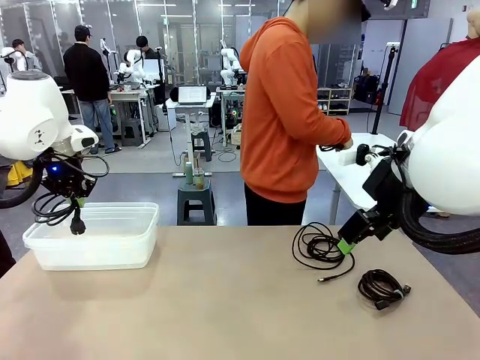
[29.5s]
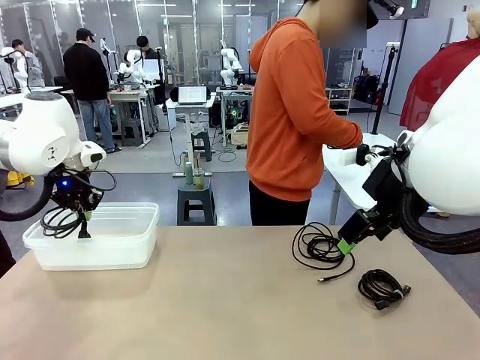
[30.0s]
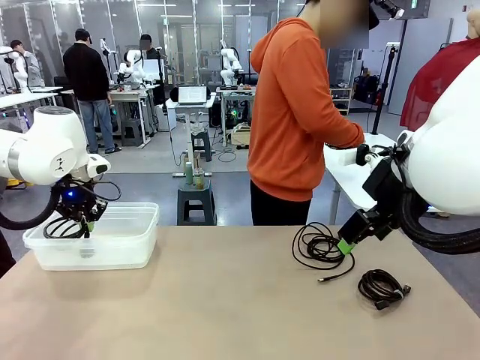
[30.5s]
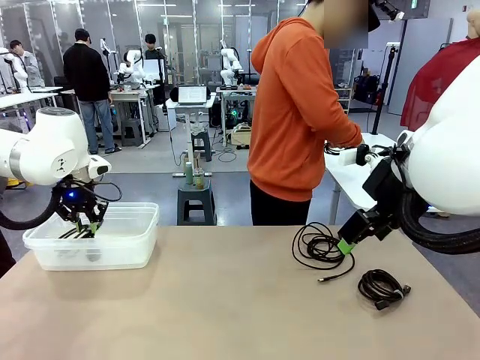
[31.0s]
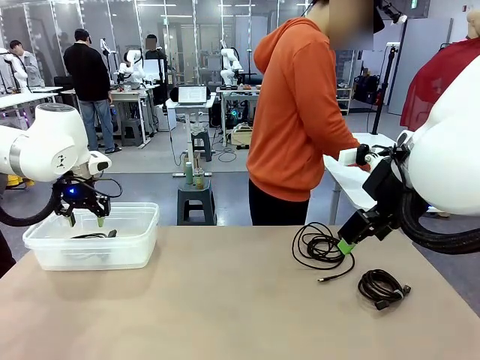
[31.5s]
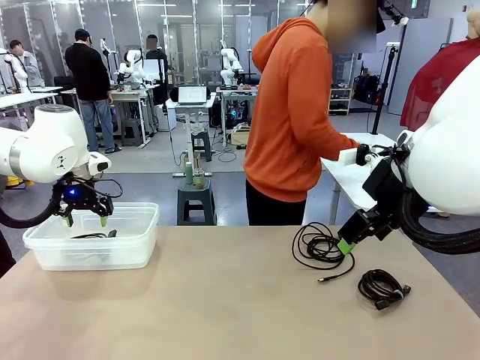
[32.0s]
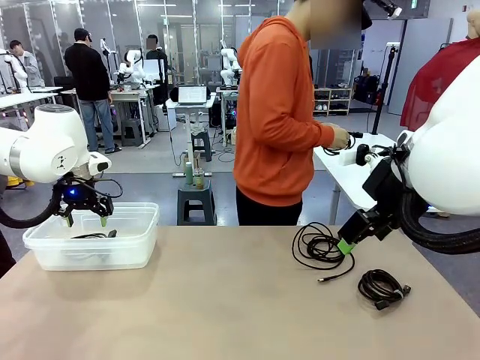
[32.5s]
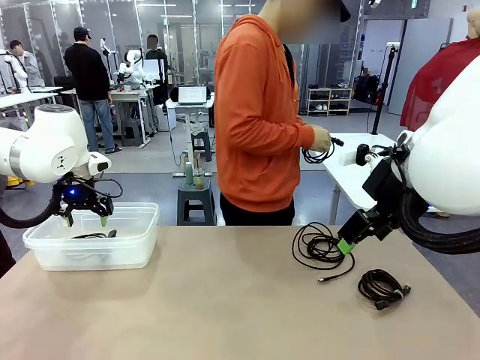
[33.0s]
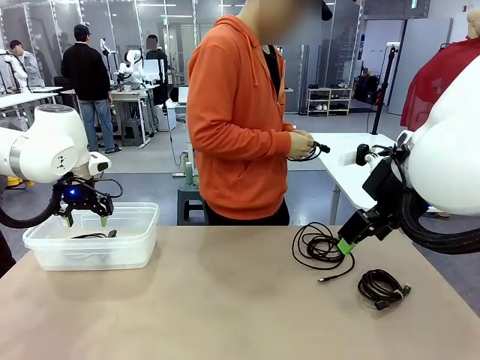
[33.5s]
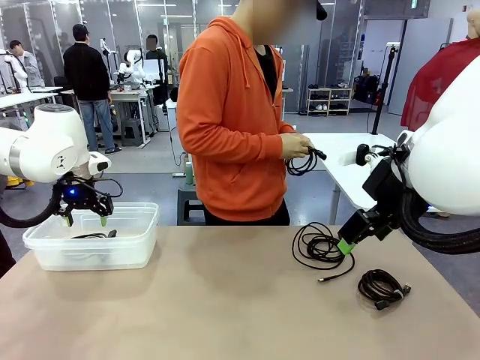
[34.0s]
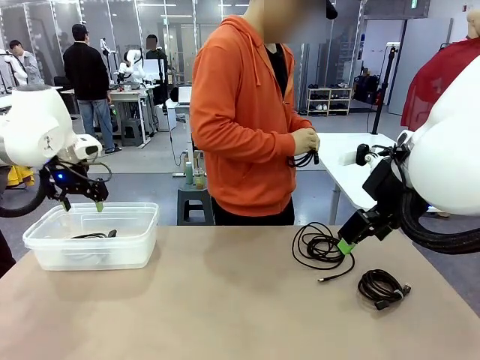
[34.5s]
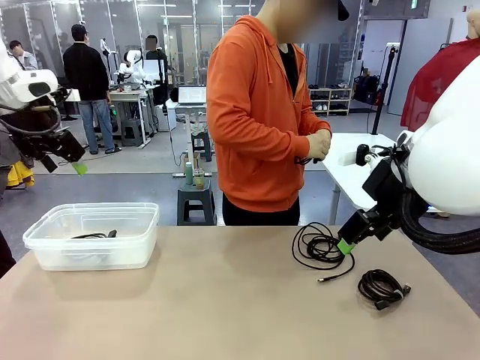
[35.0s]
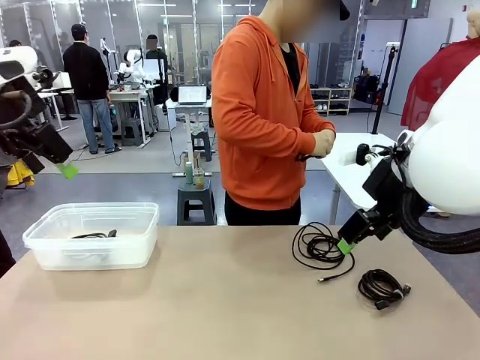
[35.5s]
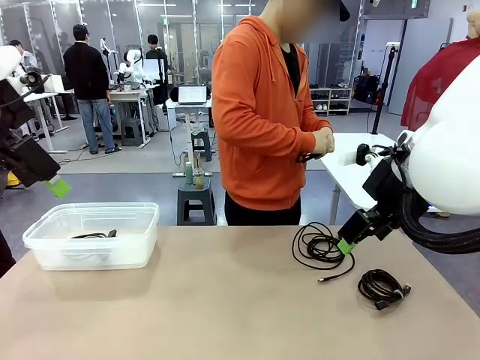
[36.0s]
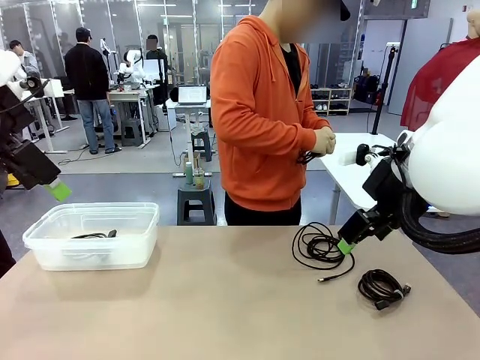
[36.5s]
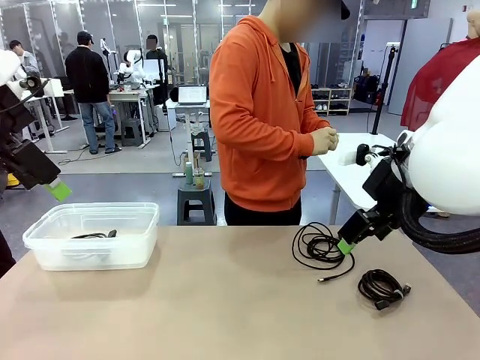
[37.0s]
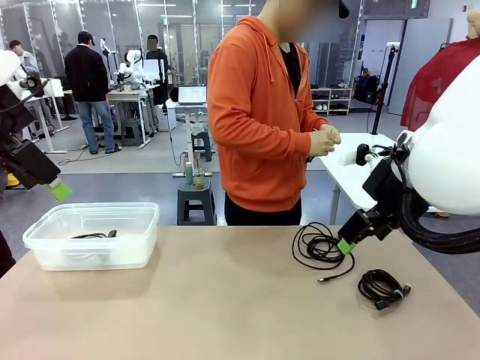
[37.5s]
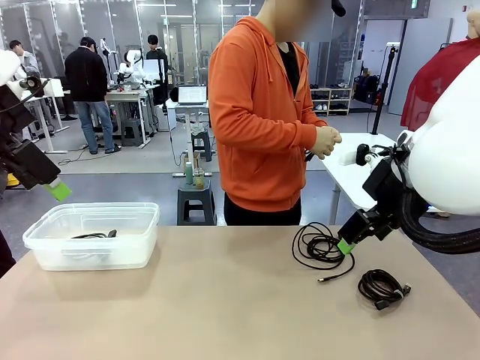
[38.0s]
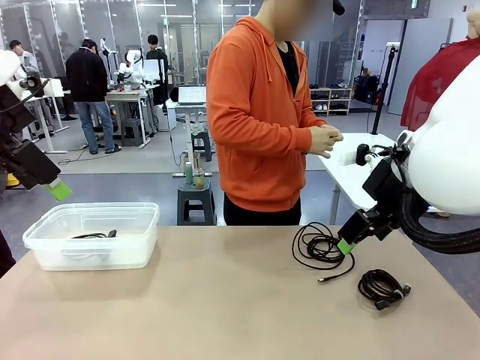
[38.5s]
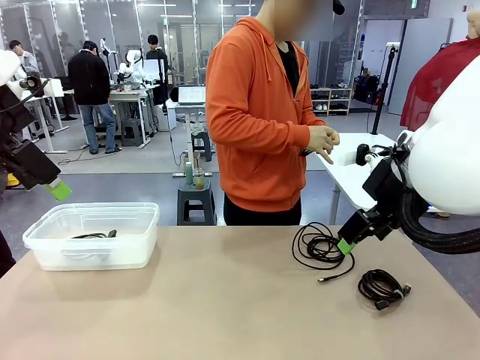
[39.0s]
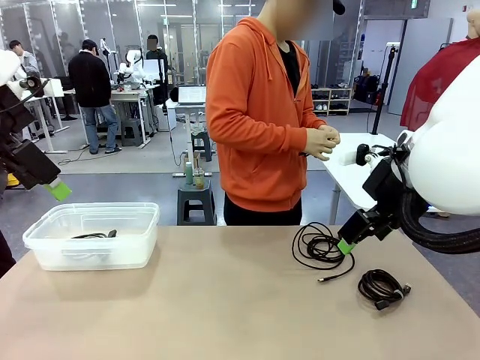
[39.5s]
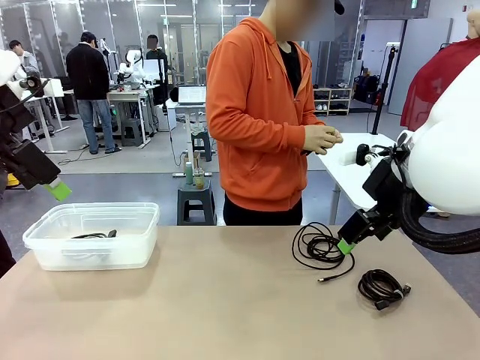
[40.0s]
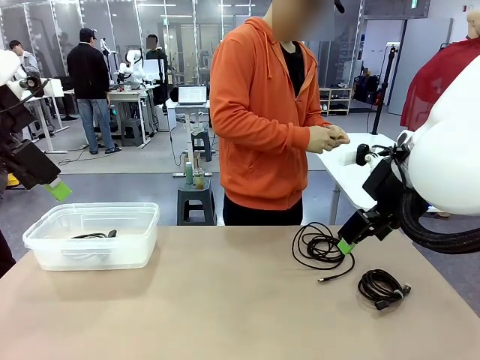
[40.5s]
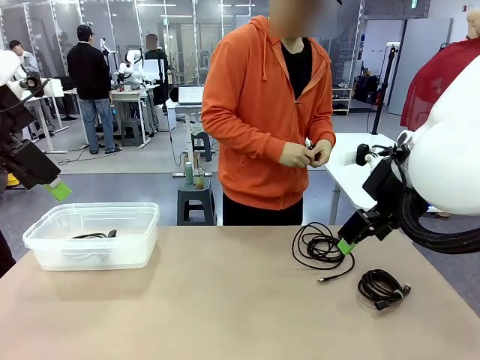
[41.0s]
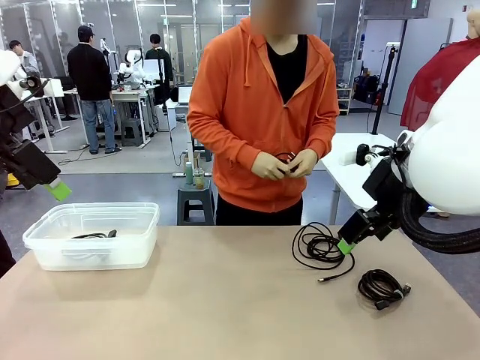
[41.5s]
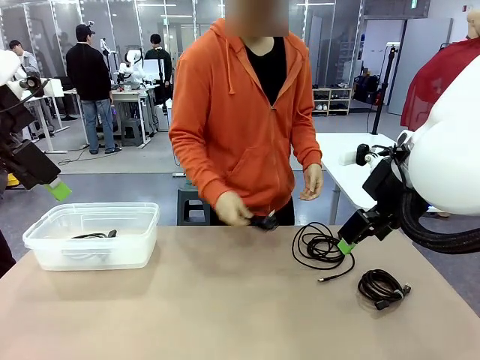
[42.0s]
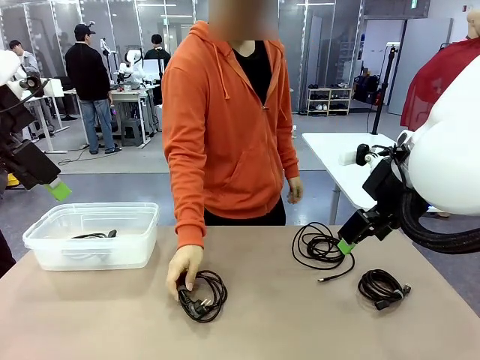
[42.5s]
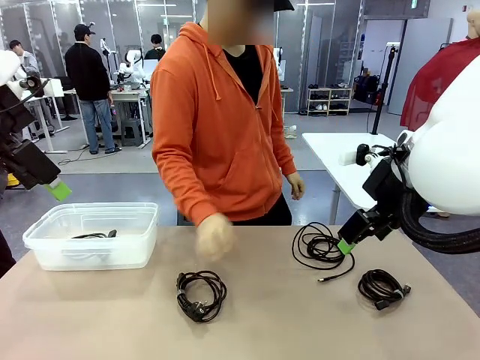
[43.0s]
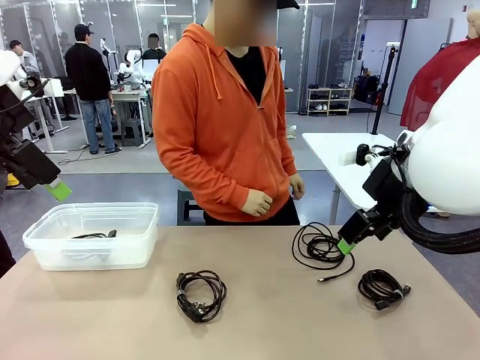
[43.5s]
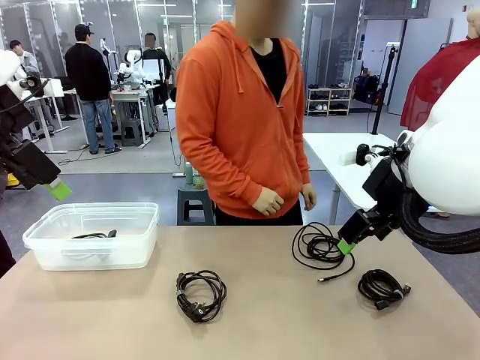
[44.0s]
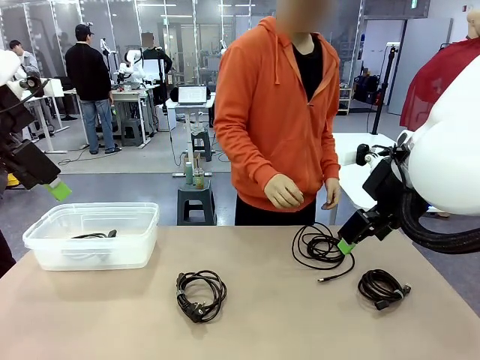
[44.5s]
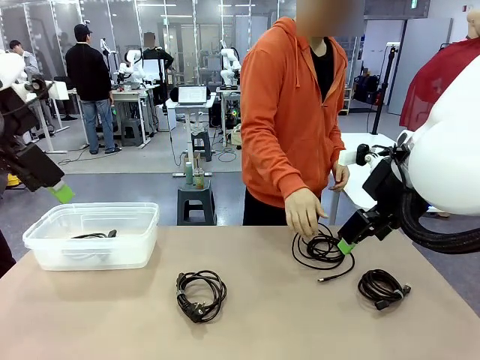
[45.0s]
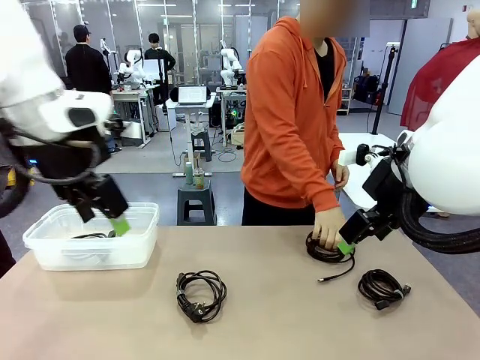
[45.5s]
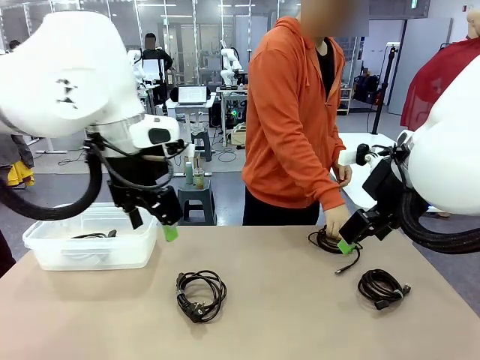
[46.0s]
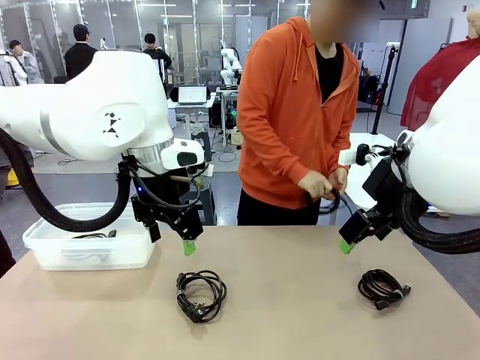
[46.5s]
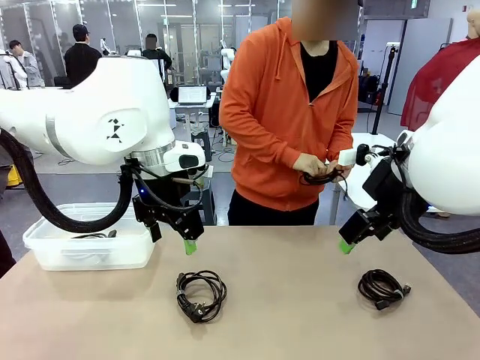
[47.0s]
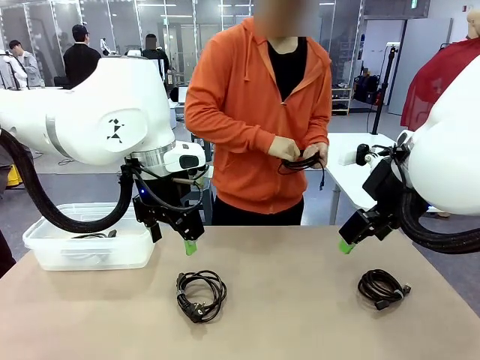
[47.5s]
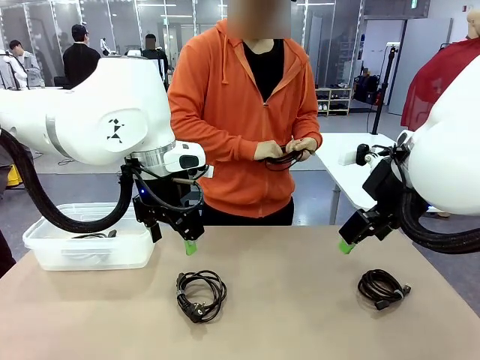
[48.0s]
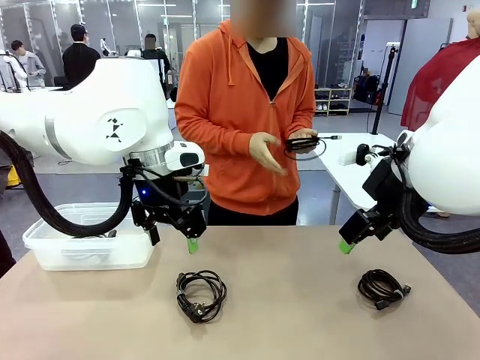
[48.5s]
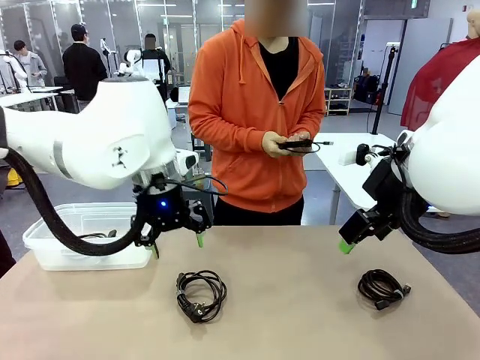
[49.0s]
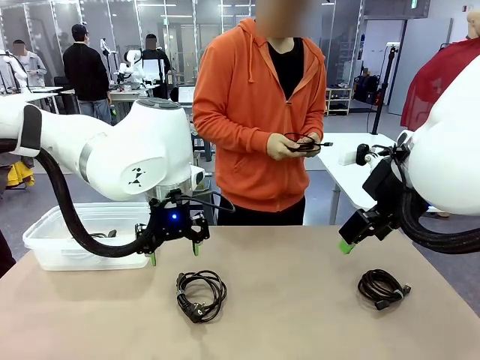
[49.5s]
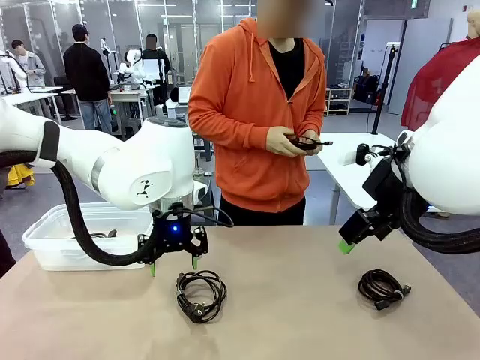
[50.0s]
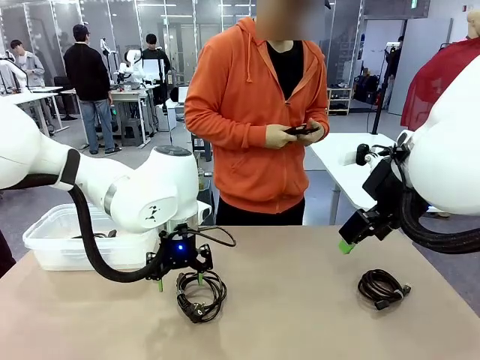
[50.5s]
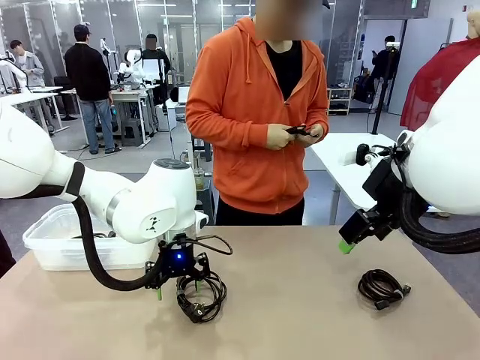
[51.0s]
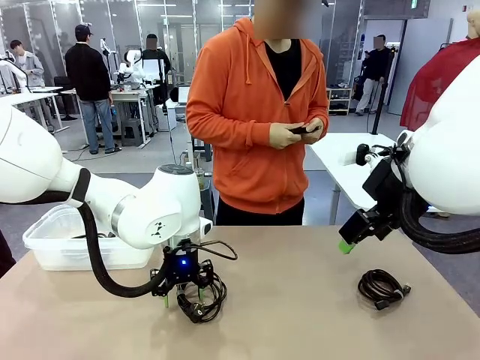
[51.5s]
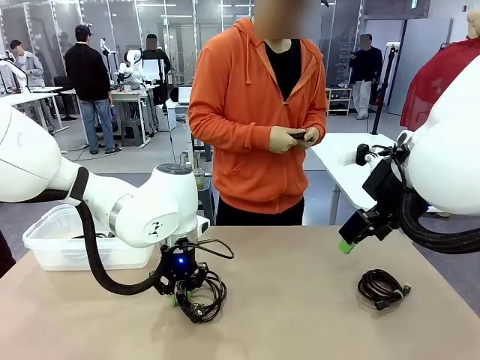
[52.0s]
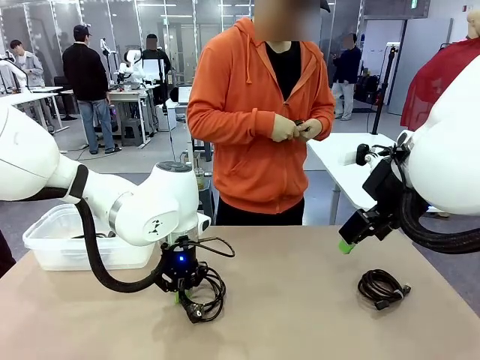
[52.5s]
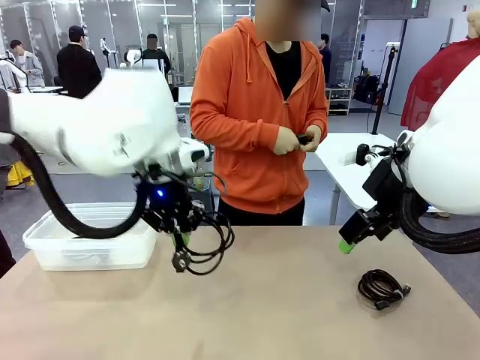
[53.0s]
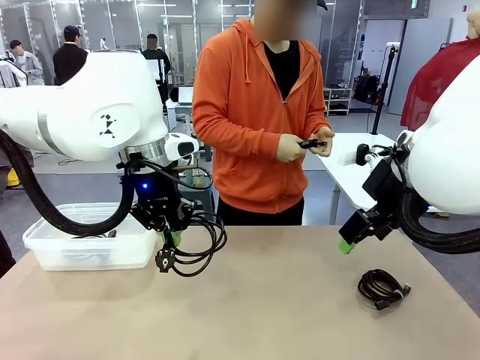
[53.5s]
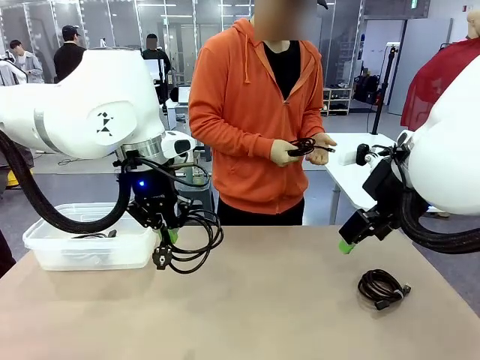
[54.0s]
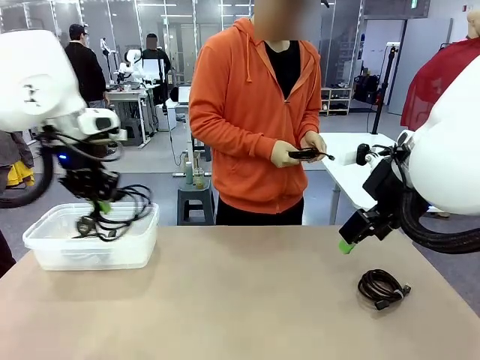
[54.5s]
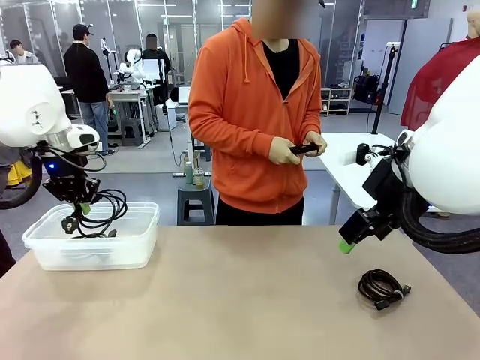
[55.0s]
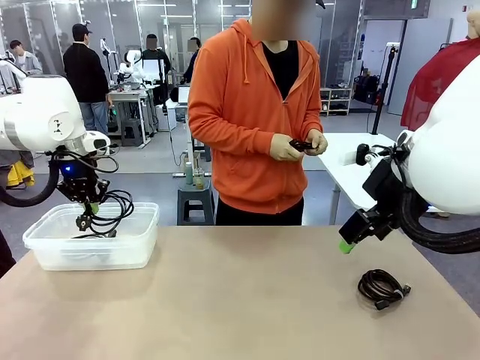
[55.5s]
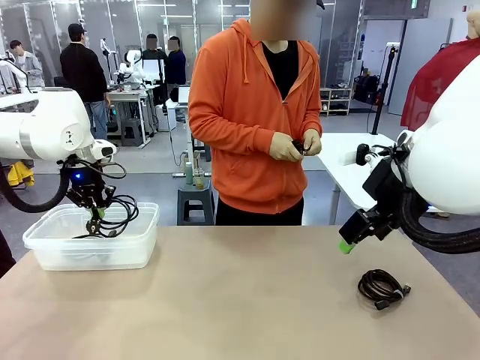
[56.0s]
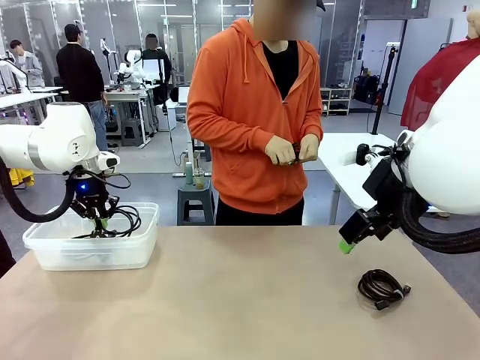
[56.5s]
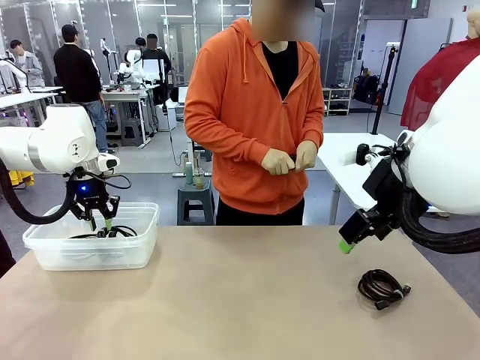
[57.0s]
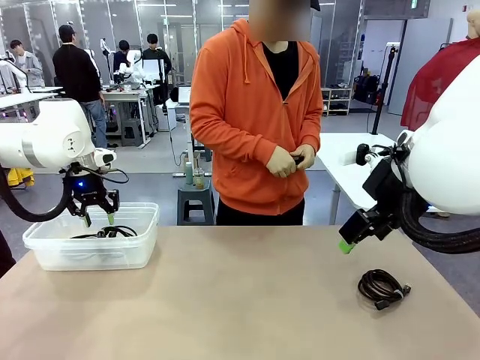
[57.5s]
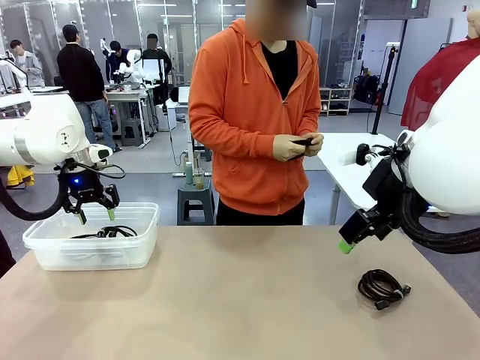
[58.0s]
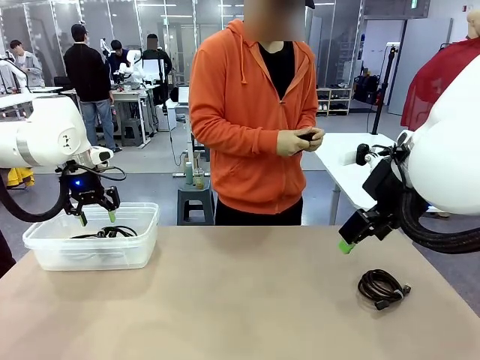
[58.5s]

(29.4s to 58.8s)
Task: Organize and store the cables.
Robot: Place the Power Cable into the Organizing box.
